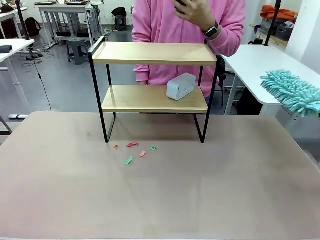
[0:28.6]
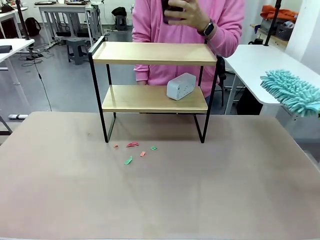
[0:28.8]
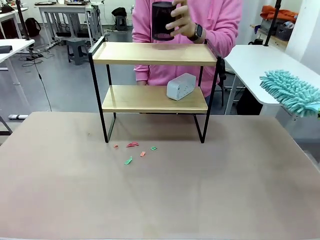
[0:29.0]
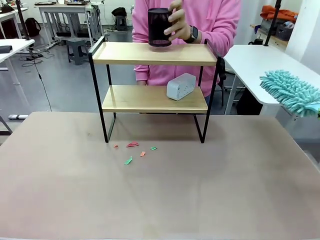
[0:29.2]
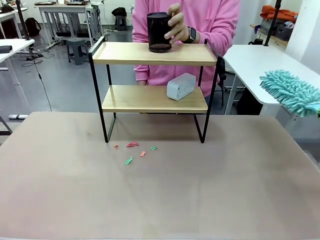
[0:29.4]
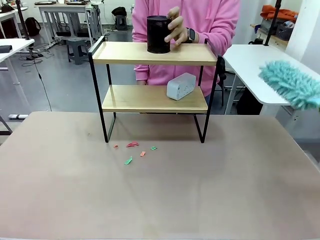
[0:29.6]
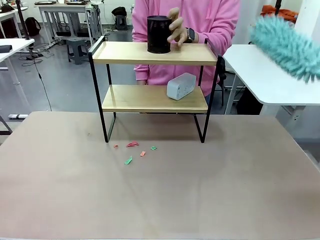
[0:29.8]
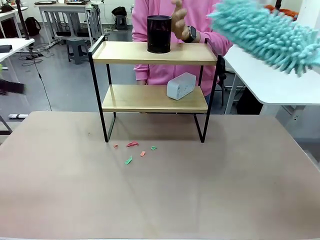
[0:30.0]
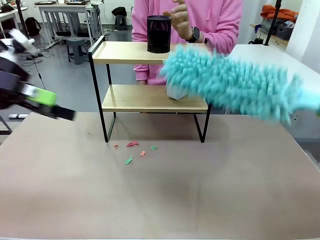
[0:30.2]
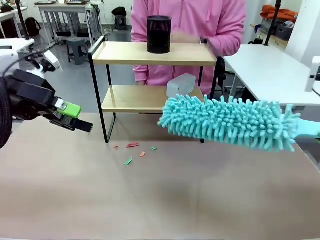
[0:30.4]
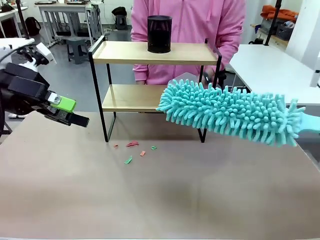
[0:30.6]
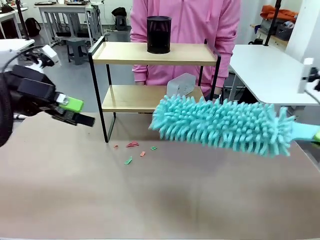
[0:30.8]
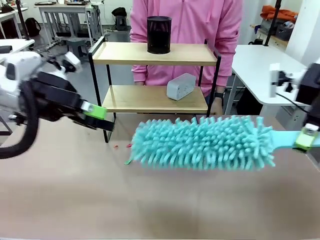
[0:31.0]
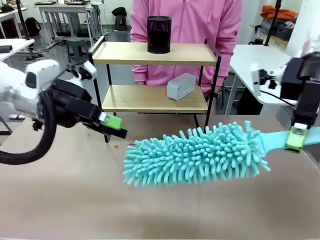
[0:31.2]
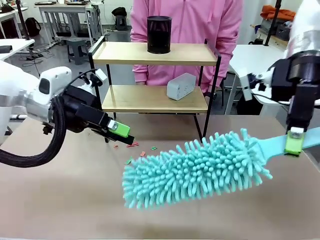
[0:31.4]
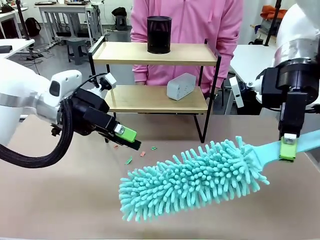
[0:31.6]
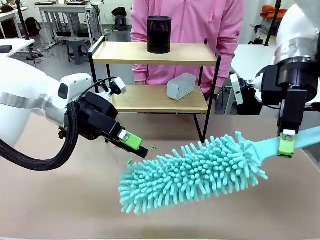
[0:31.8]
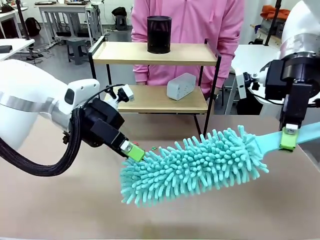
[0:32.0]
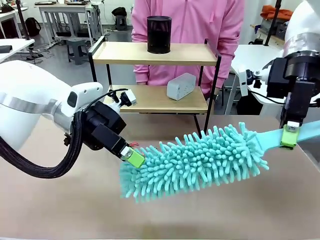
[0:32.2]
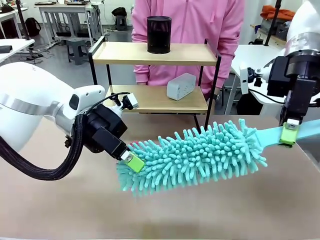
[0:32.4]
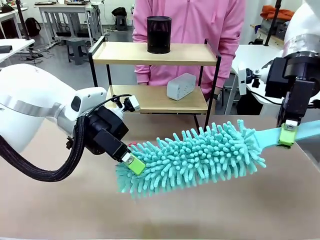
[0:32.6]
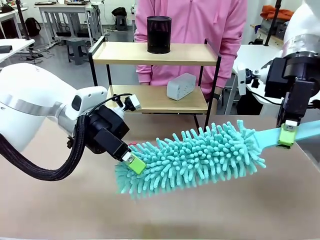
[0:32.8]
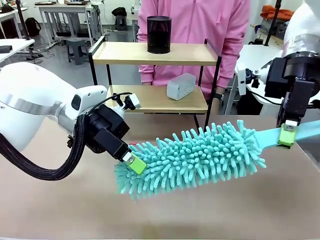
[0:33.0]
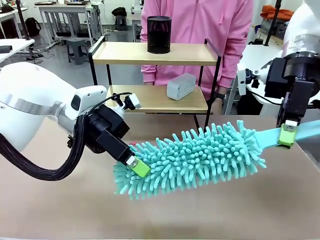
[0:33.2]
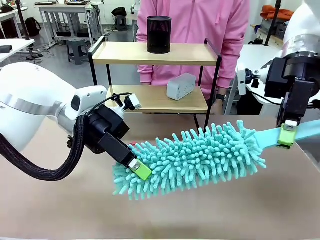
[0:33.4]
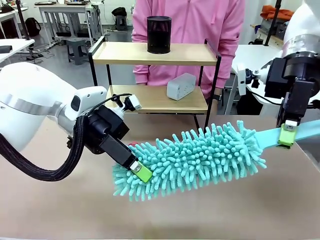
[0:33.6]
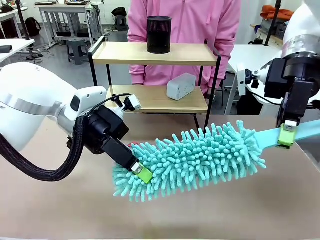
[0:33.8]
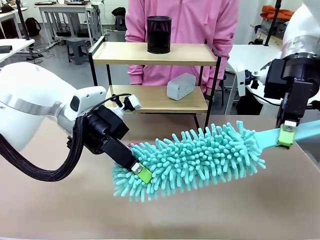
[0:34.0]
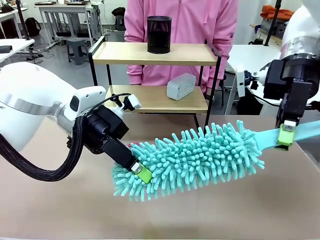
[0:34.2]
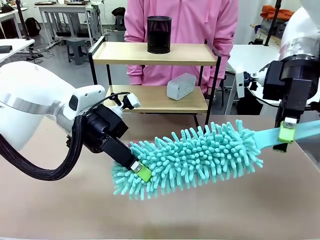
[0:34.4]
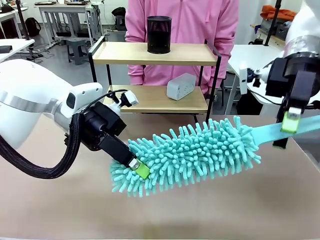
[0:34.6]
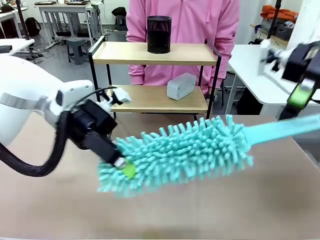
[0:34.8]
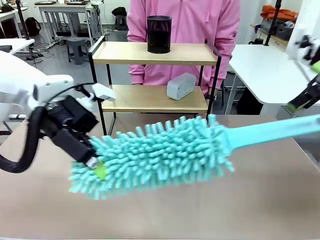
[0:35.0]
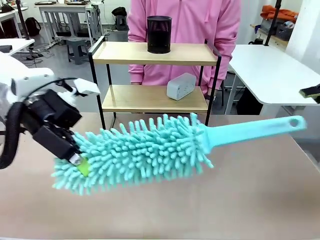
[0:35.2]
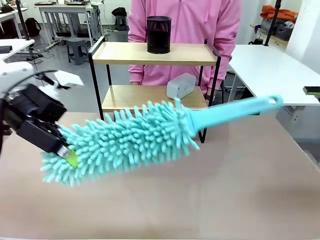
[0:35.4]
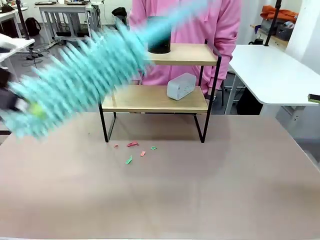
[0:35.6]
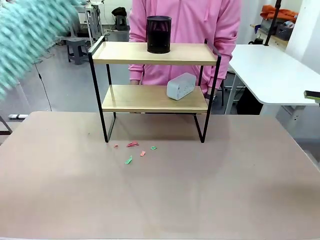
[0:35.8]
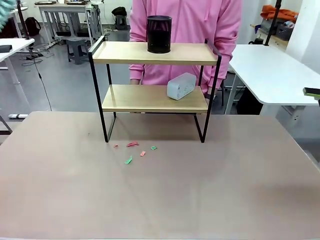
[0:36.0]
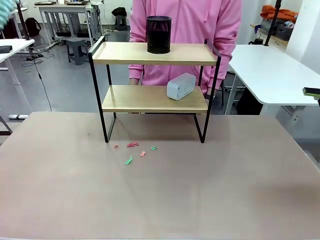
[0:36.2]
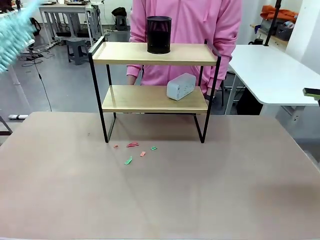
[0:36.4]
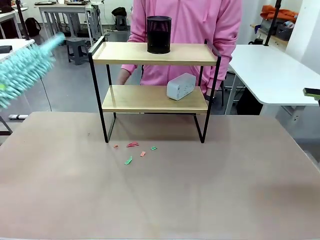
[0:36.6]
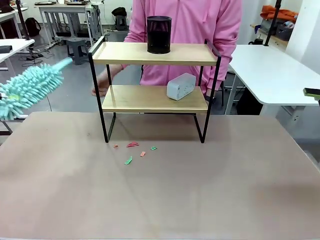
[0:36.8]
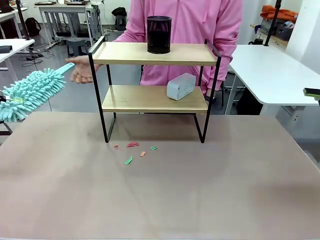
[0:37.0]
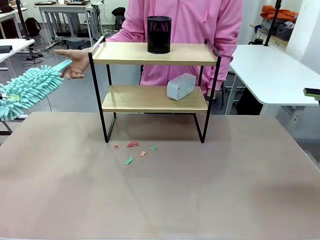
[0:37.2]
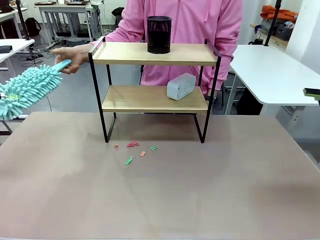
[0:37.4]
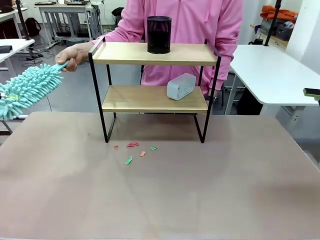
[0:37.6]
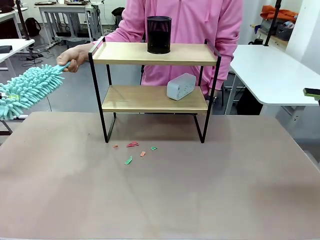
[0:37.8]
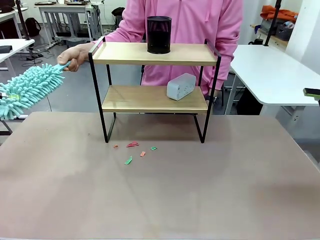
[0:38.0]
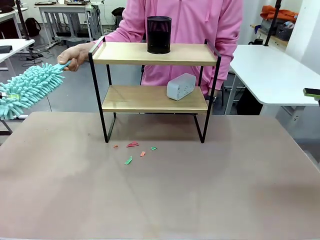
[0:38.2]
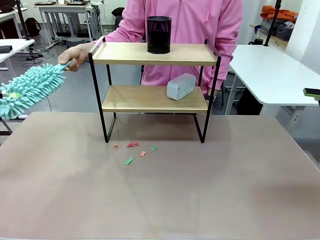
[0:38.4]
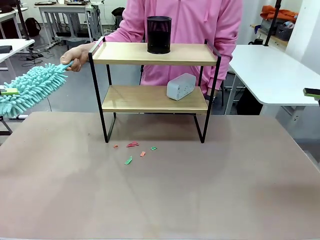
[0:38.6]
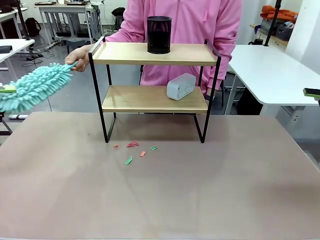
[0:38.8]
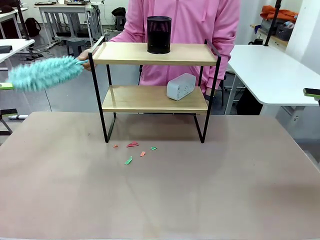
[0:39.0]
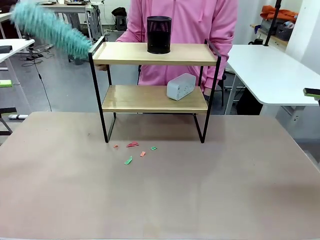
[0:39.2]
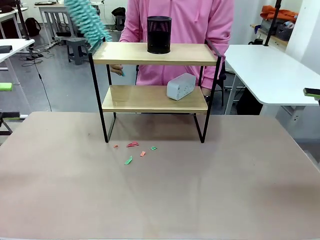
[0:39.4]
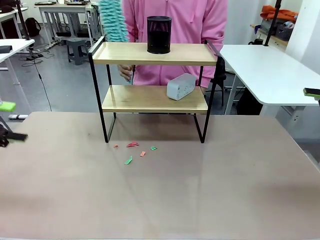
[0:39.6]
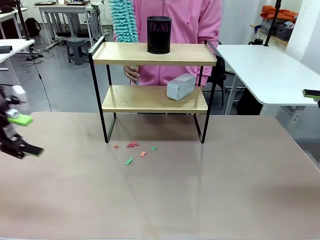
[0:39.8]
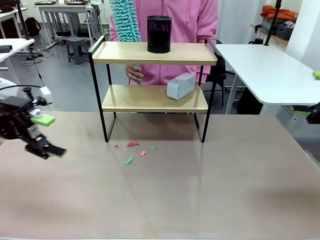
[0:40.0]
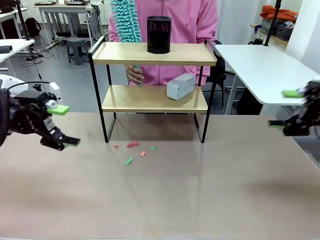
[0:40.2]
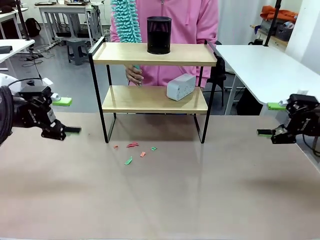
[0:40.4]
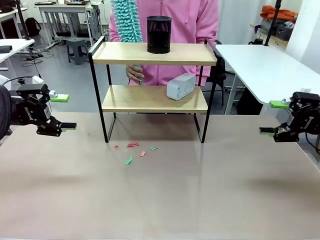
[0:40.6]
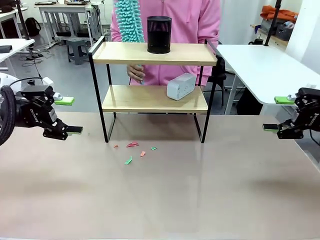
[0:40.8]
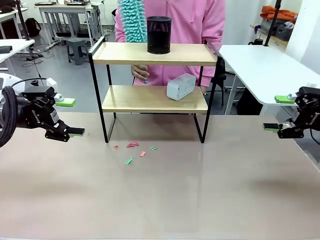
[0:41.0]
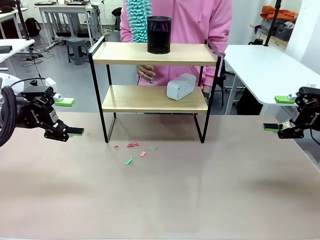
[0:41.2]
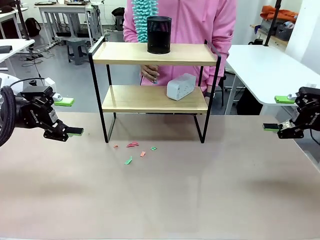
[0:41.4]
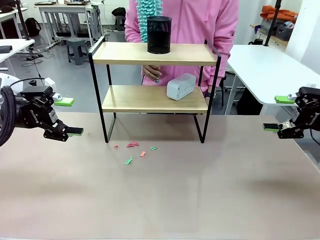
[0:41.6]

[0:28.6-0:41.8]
Task: Clean the shelf.
Robot: Hand the Duster back to the human.
Person: Receive the Duster from the robot.

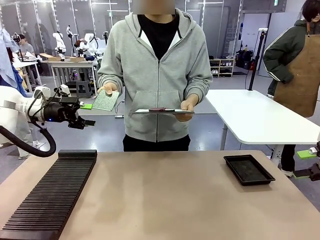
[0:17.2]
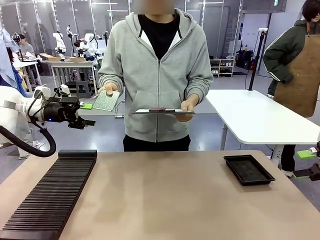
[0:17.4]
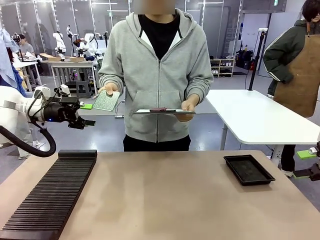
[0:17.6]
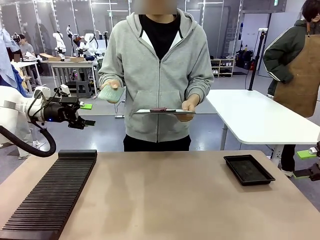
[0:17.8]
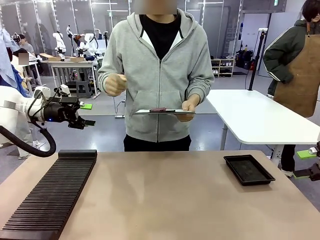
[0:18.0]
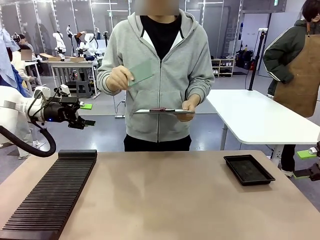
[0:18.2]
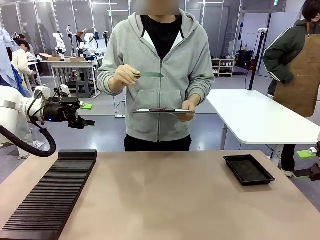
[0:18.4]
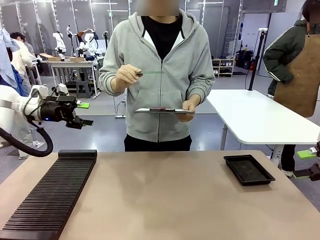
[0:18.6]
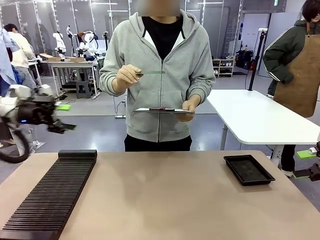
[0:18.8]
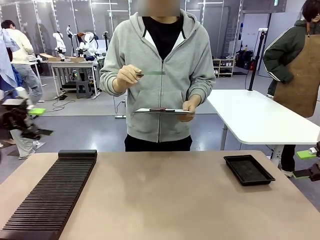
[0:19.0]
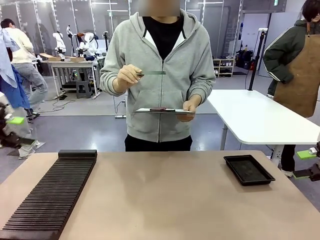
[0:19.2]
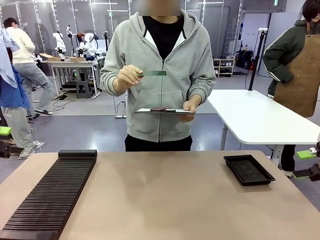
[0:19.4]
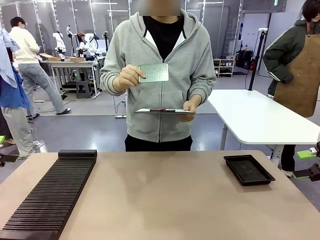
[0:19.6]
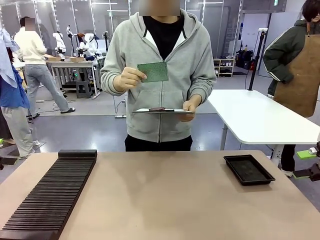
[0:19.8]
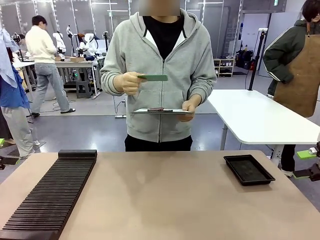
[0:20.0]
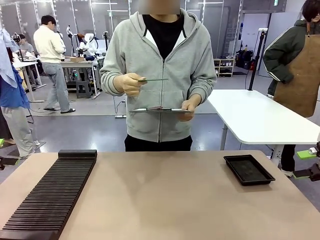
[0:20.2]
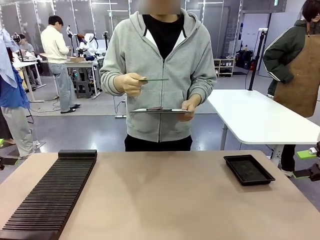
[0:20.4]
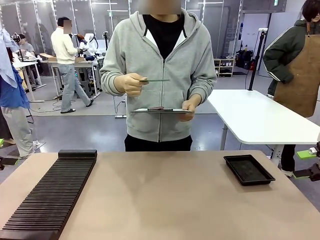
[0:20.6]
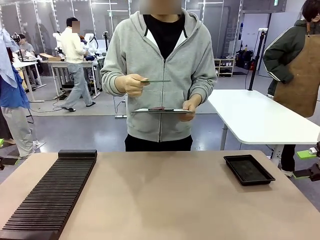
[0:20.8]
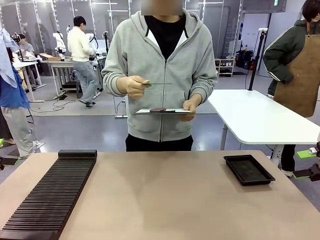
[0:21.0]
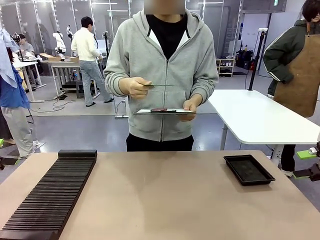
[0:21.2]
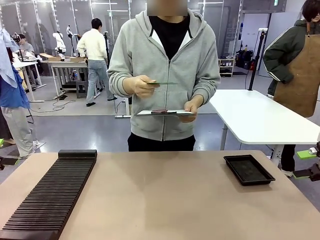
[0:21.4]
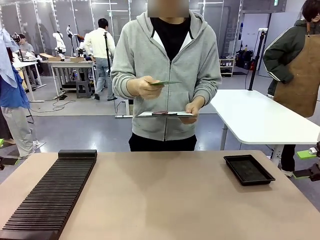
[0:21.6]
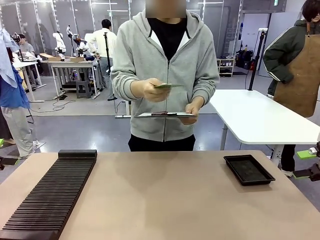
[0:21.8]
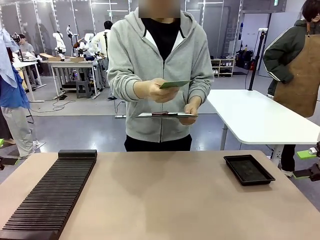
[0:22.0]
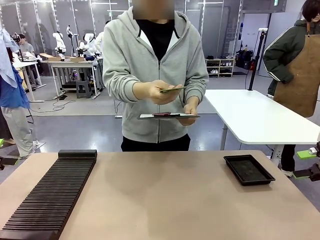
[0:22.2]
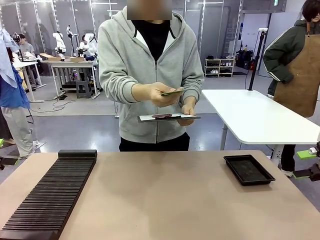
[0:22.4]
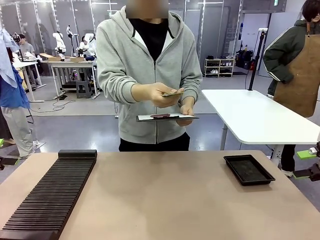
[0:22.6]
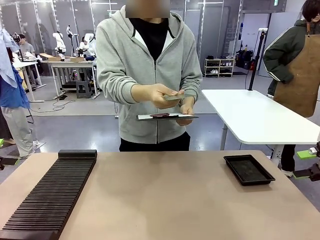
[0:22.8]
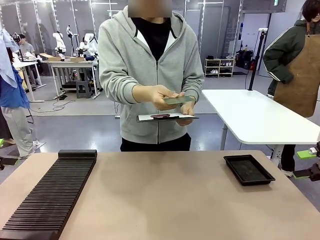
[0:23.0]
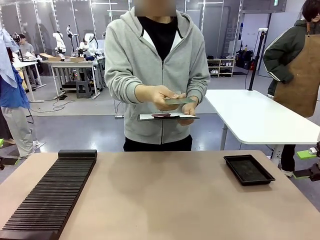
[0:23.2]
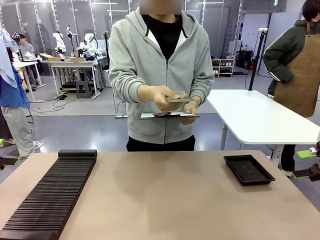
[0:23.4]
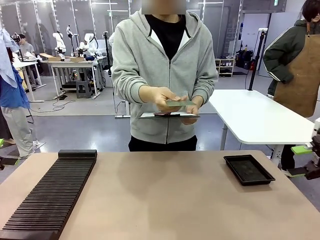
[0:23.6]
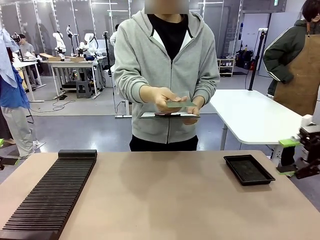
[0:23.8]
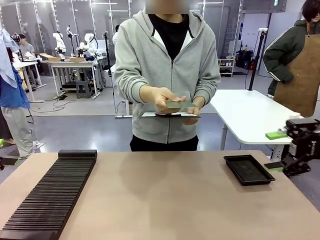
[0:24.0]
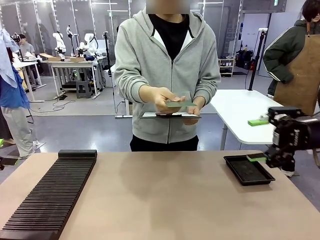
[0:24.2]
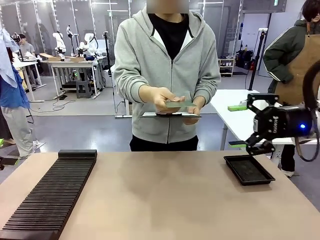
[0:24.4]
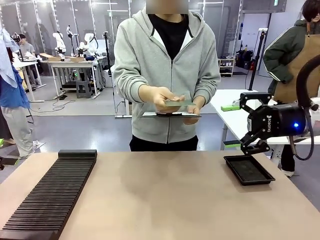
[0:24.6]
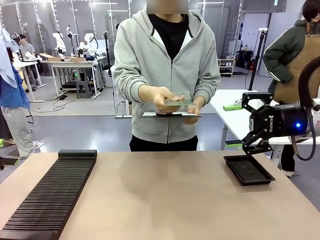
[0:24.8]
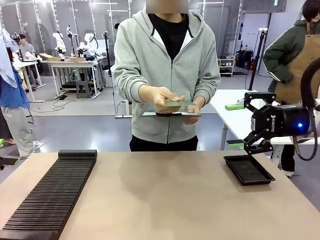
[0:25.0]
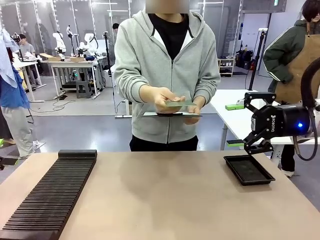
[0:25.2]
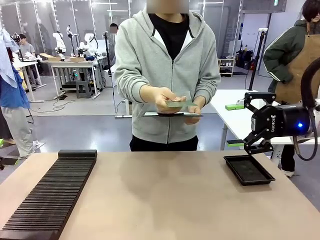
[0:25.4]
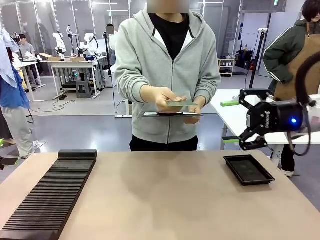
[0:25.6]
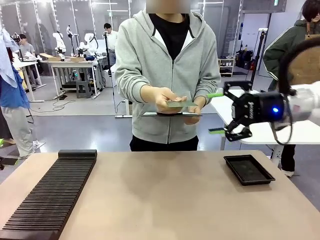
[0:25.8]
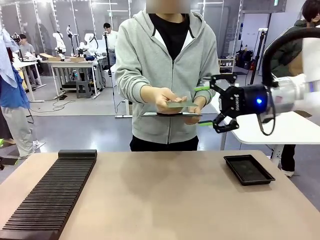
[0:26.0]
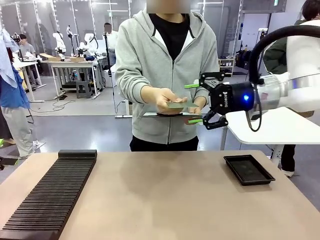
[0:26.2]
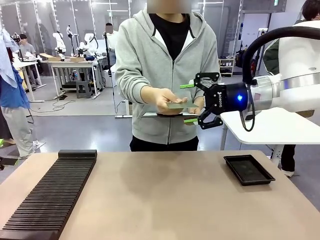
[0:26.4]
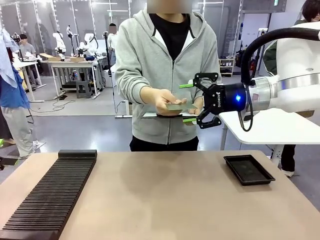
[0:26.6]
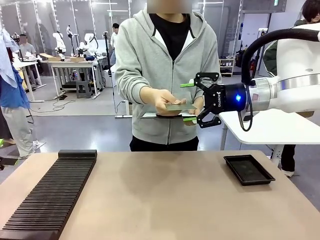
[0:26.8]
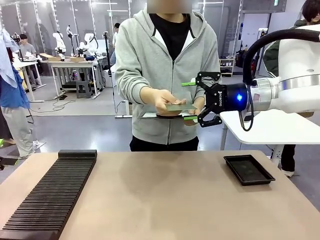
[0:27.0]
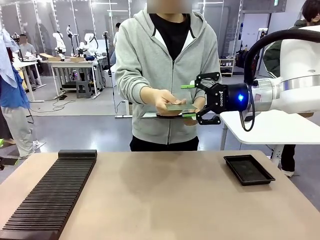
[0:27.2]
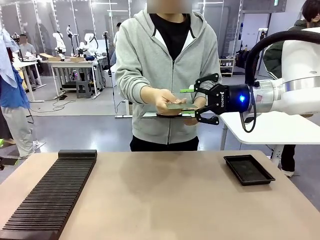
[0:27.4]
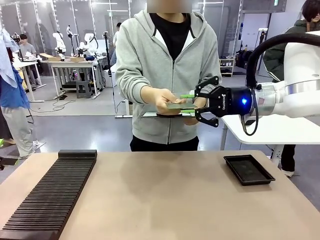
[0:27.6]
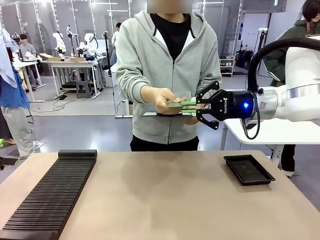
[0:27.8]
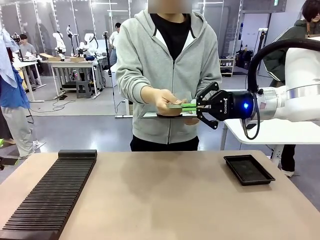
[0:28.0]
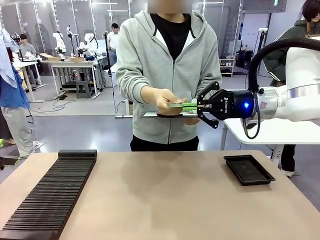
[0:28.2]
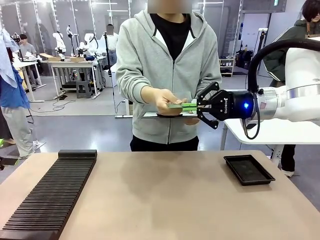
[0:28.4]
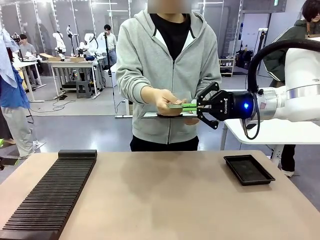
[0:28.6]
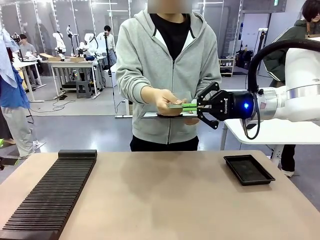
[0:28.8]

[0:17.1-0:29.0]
Task: Inspect the PCB.
Robot: Pick up the Blank PCB that the human is holding.
Person: Inspect the PCB placed by the robot, then hold it out in front of the robot. Release the PCB you were holding.
